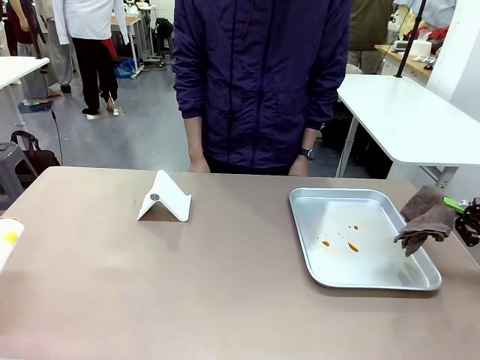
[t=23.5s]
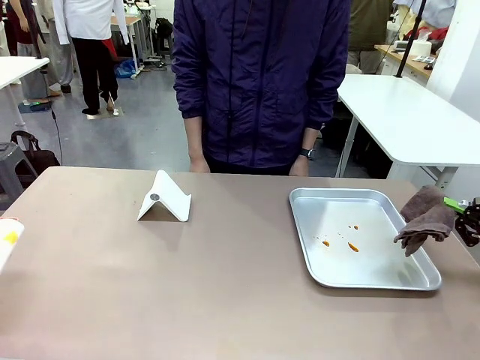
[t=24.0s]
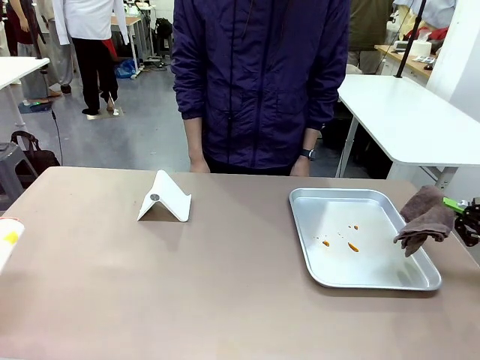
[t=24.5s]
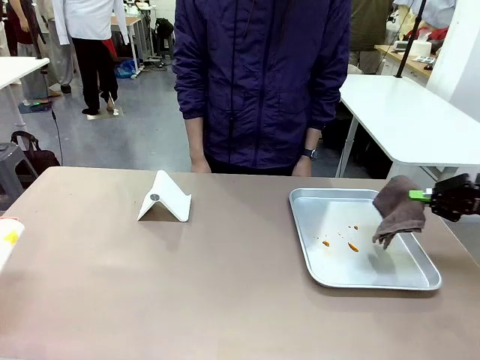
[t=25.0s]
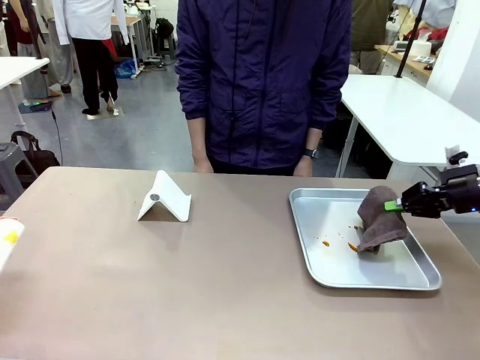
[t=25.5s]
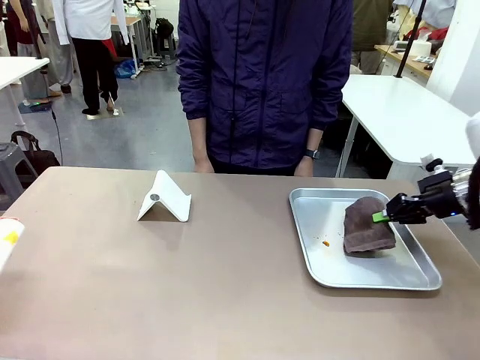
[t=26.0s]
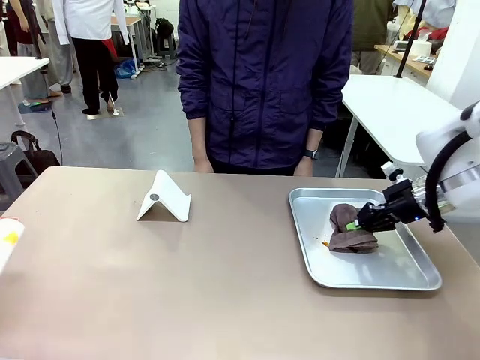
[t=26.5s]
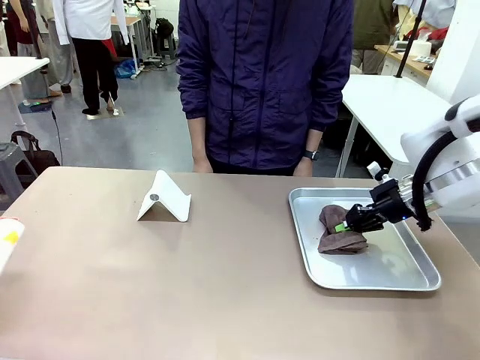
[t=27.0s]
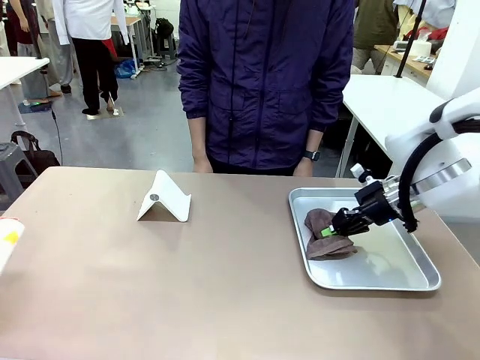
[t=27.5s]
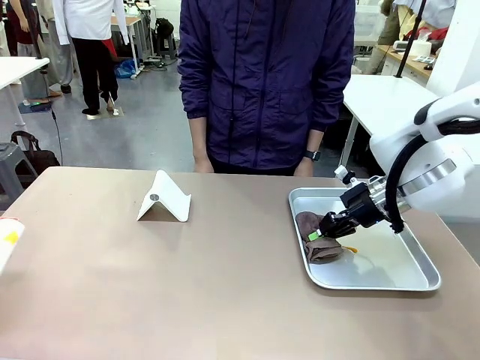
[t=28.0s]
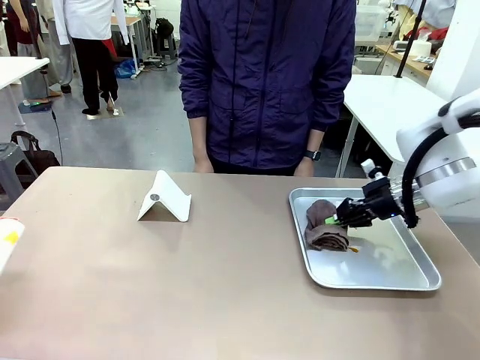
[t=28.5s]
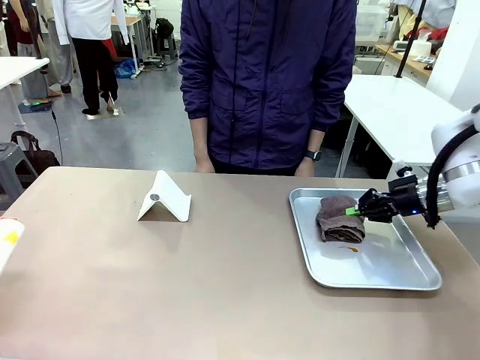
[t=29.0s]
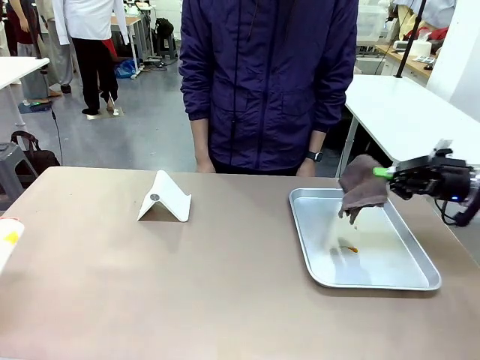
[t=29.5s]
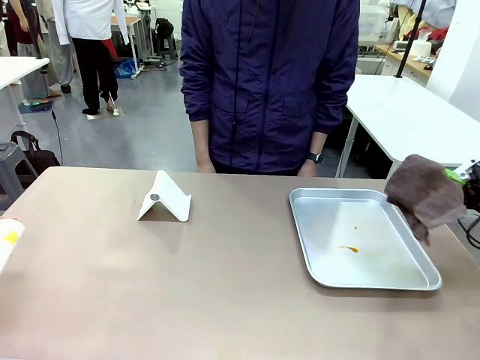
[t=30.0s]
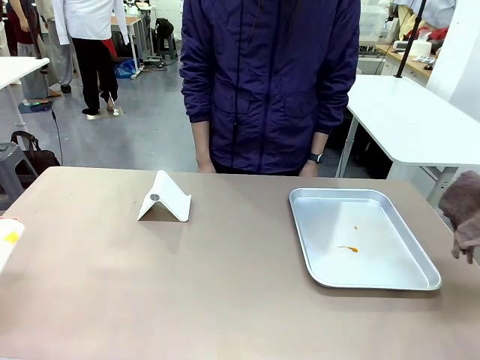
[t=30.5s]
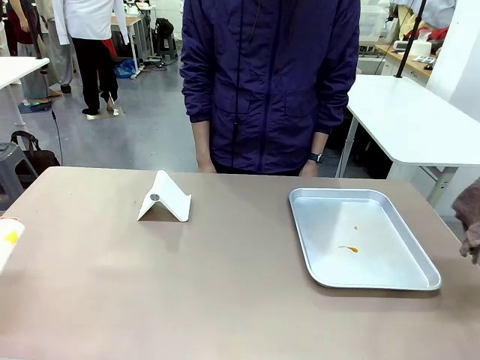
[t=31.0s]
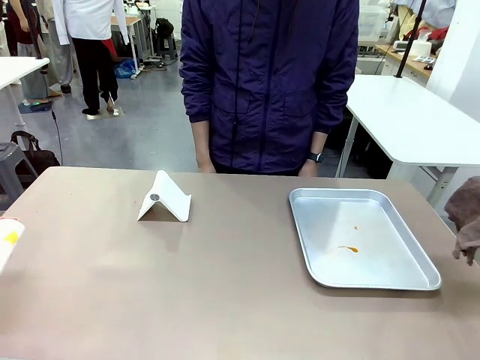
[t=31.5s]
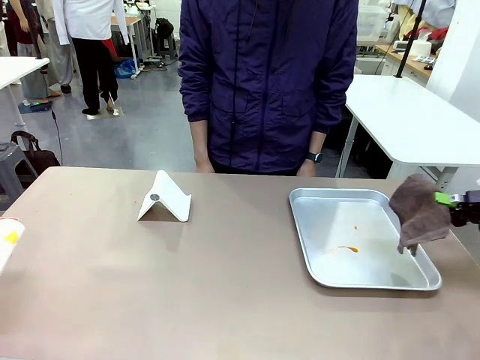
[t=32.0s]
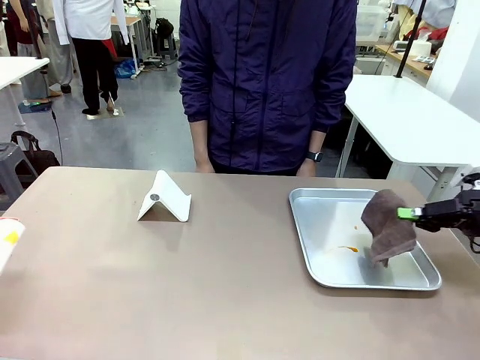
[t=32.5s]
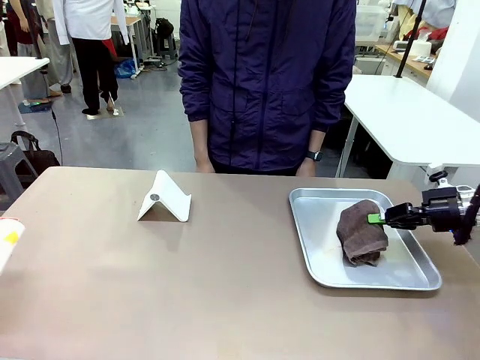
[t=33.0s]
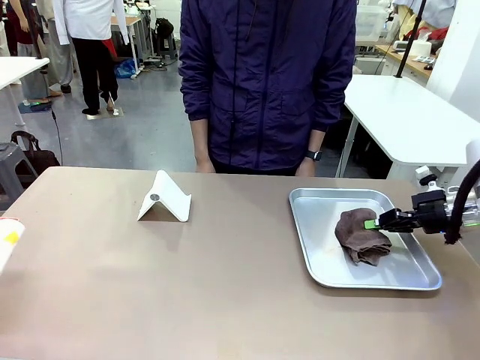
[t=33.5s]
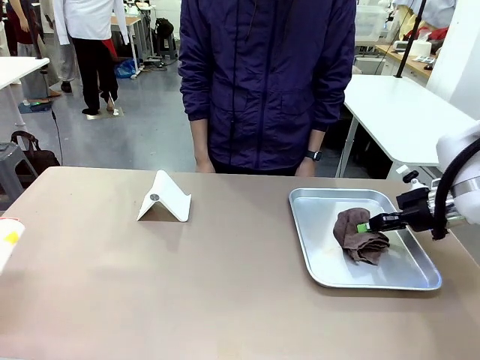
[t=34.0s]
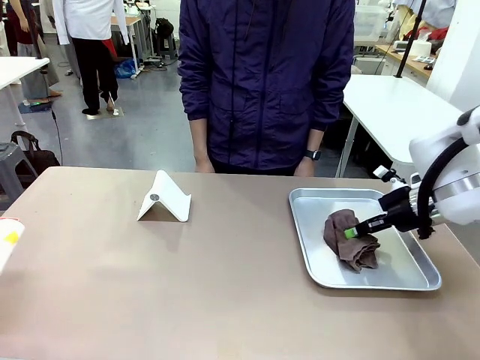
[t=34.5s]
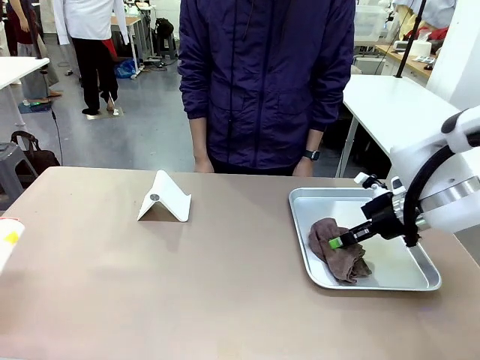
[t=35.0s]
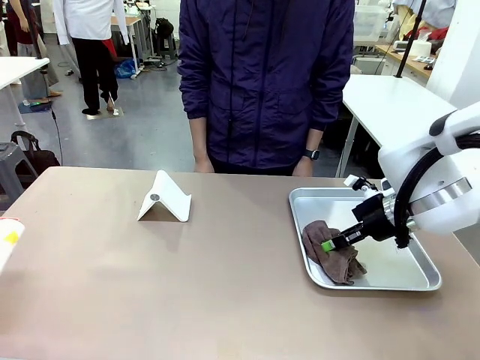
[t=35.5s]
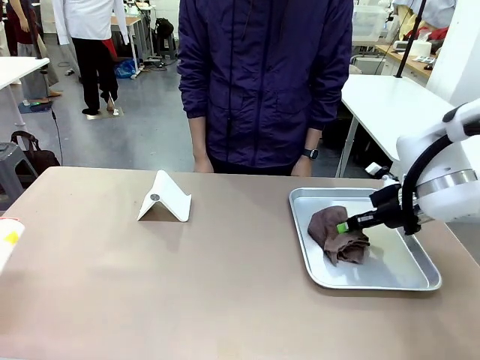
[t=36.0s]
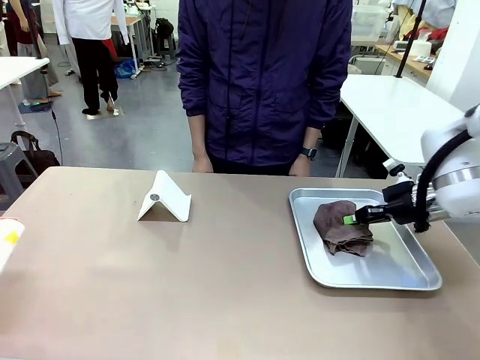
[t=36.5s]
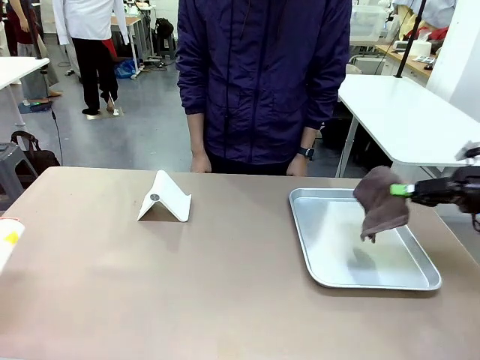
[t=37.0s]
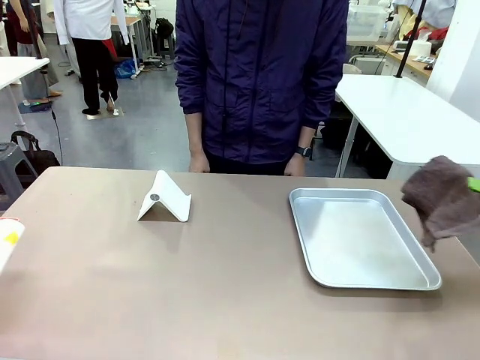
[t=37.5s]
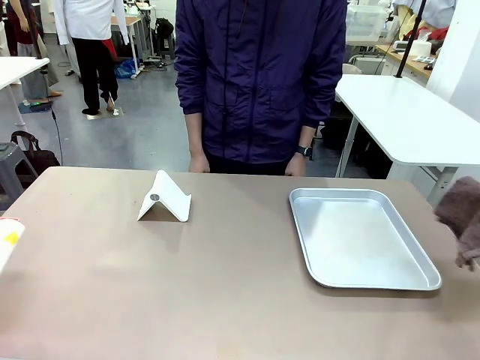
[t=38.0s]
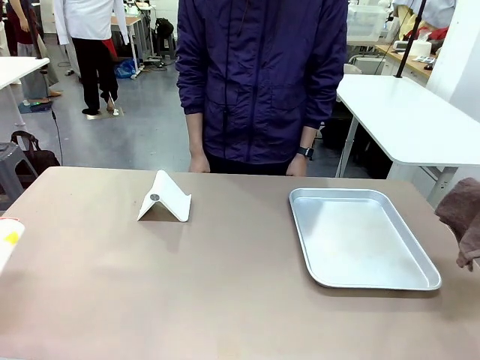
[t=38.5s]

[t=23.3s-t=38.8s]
Task: Clean the surface of the table.
Robot: Clean the area not pointed to by the person.

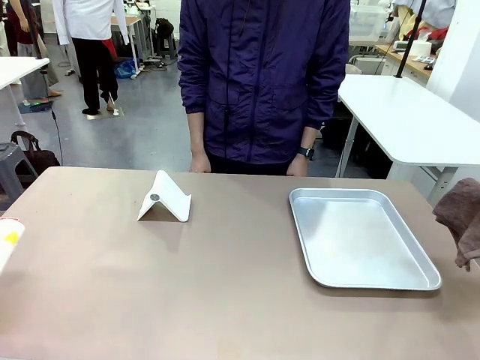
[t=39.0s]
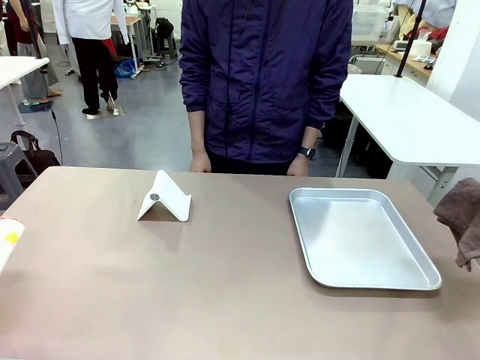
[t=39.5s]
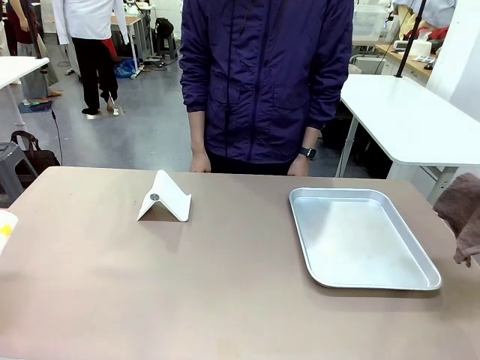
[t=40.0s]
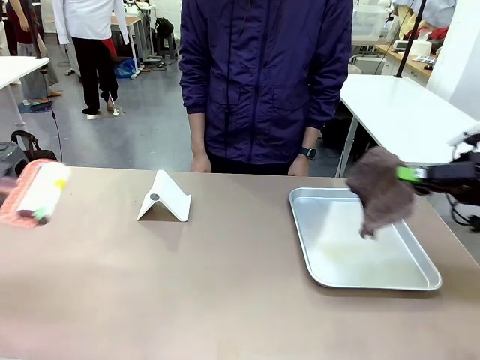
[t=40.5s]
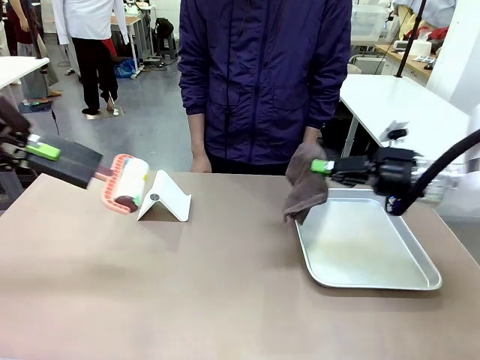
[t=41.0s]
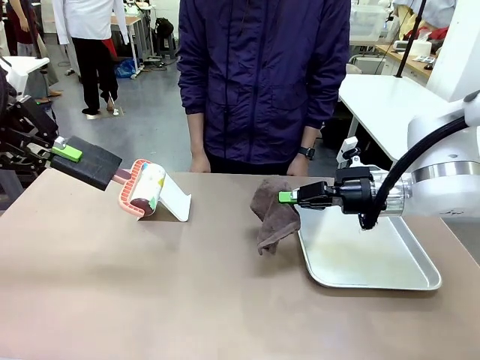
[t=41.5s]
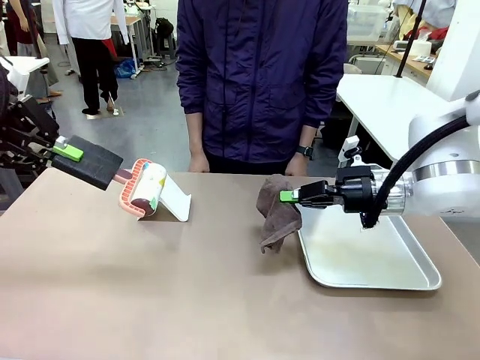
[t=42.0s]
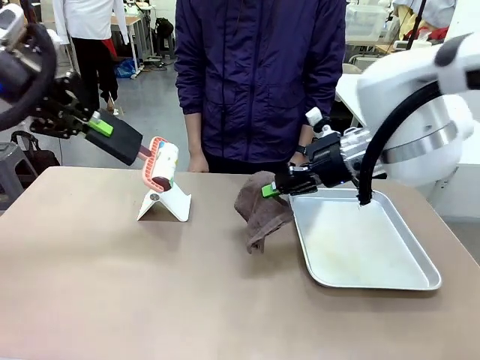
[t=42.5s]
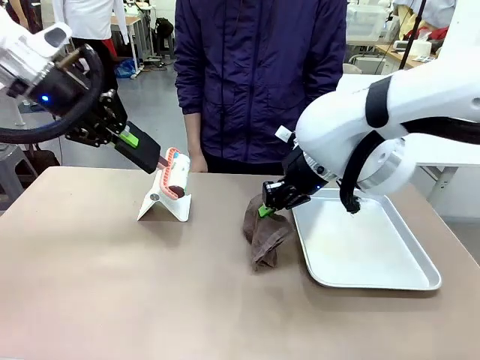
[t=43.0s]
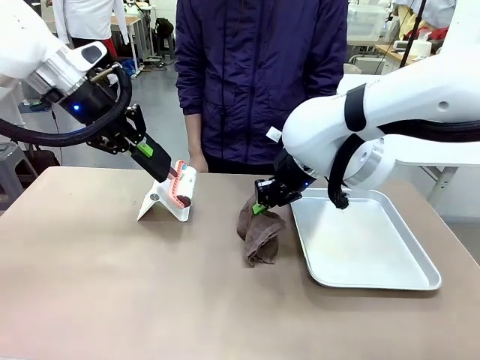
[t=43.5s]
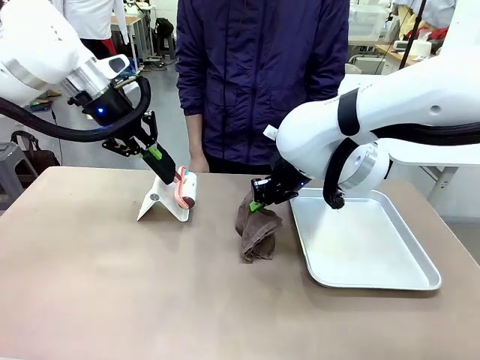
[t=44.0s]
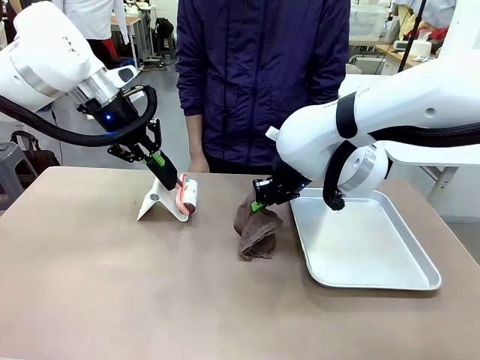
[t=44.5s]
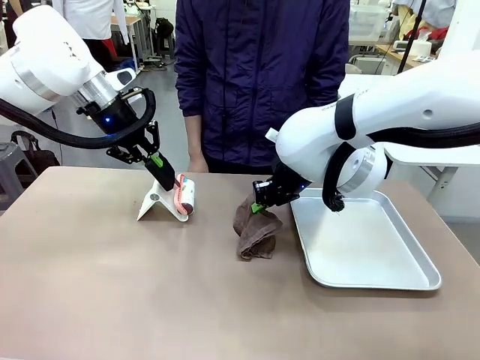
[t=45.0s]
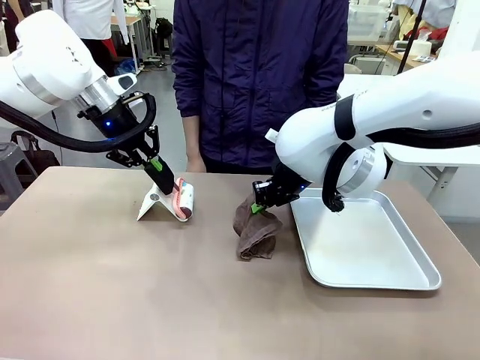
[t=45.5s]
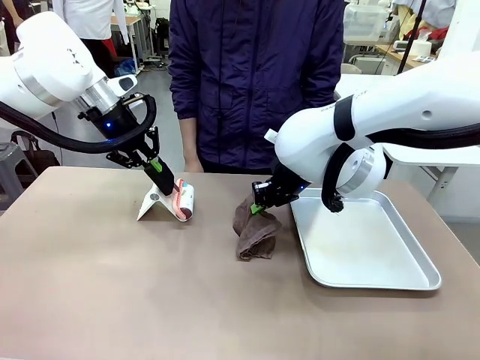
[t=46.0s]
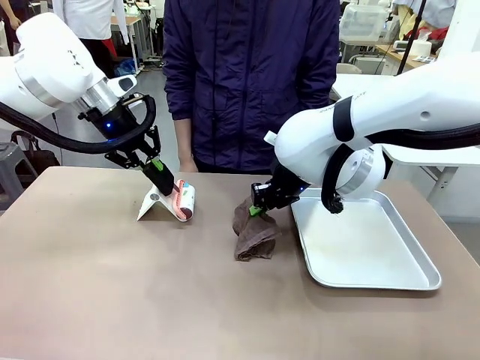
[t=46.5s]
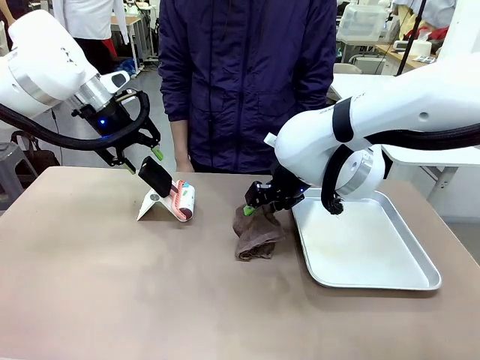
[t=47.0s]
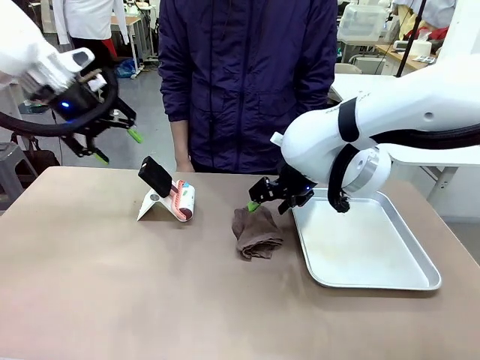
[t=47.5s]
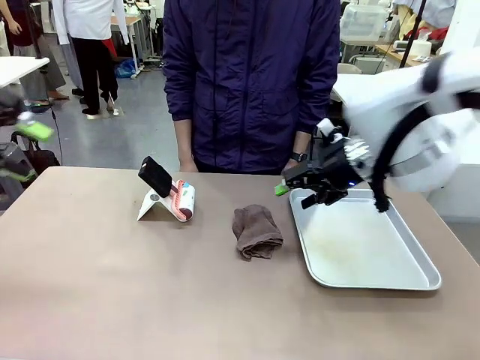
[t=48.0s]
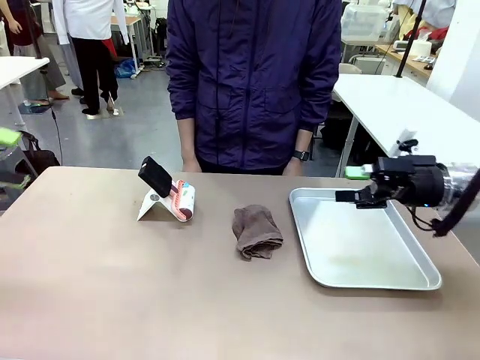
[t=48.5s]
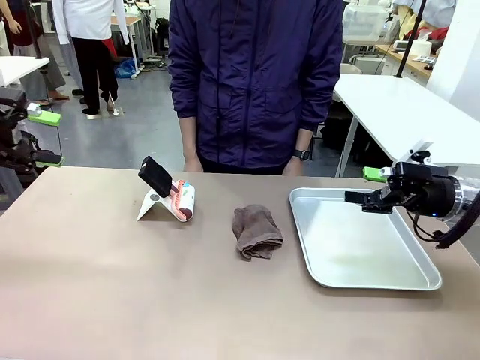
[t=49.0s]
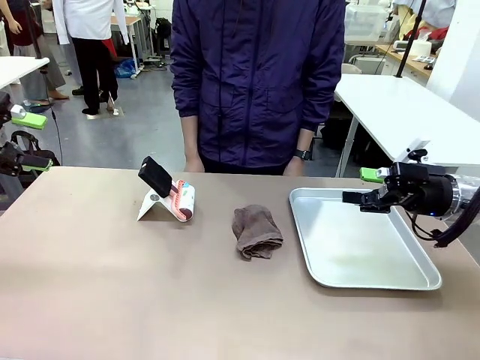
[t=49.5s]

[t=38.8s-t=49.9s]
Robot: Return the Lint Roller and towel to their original positions.
